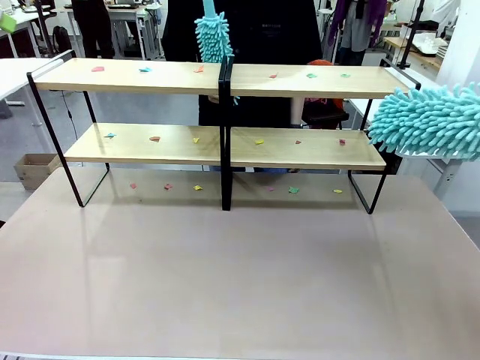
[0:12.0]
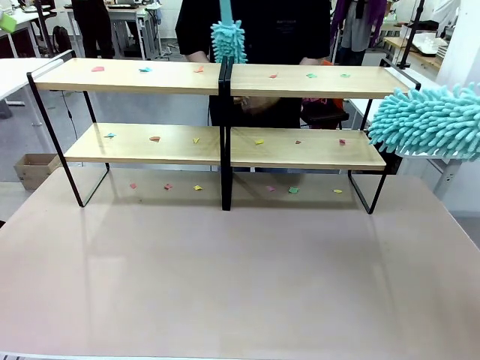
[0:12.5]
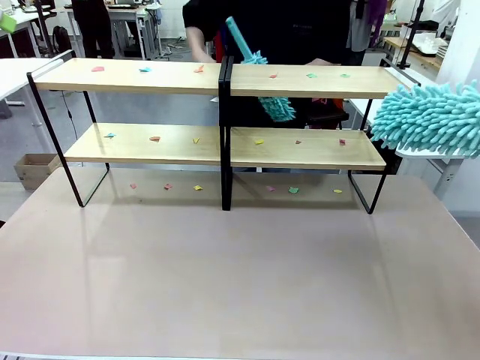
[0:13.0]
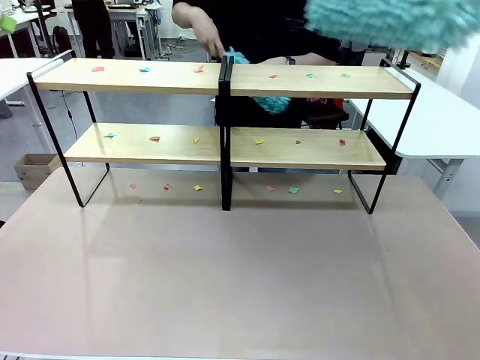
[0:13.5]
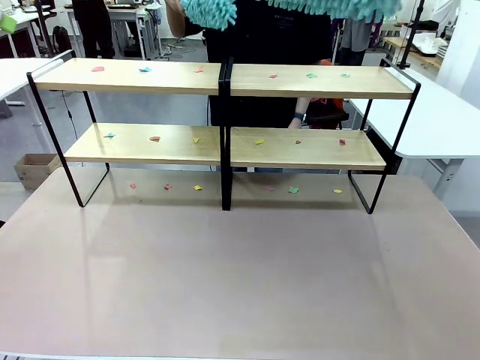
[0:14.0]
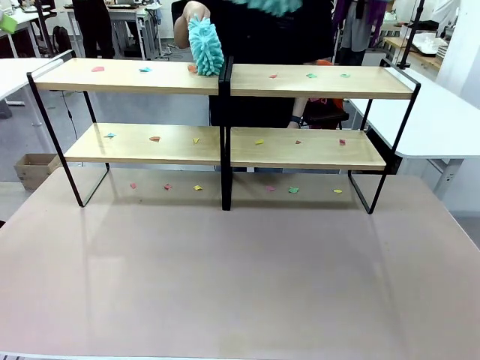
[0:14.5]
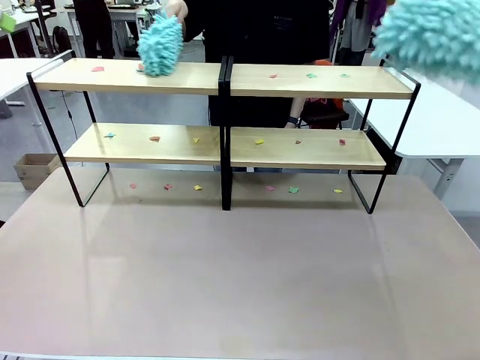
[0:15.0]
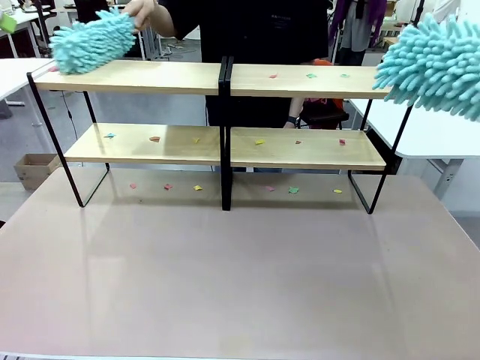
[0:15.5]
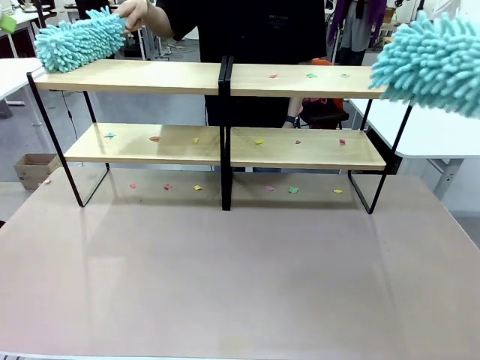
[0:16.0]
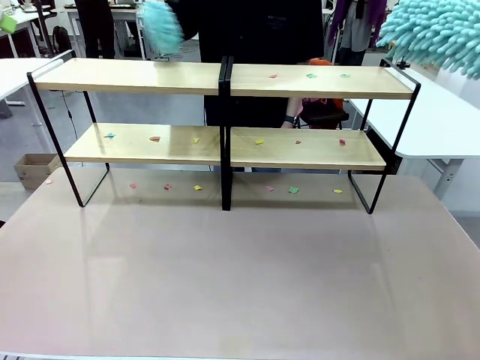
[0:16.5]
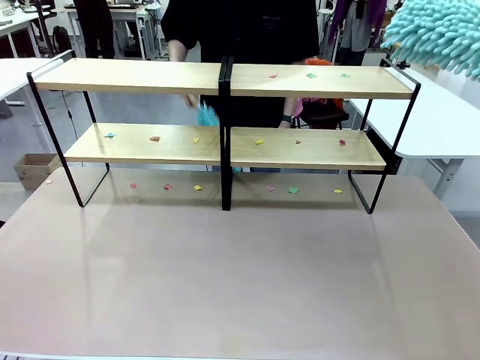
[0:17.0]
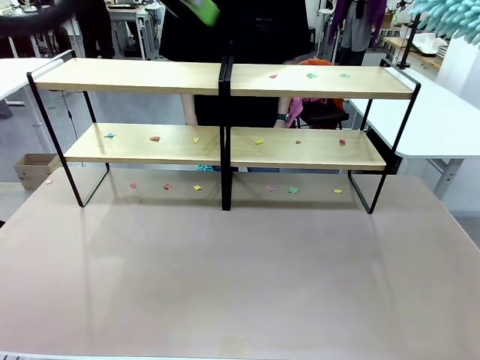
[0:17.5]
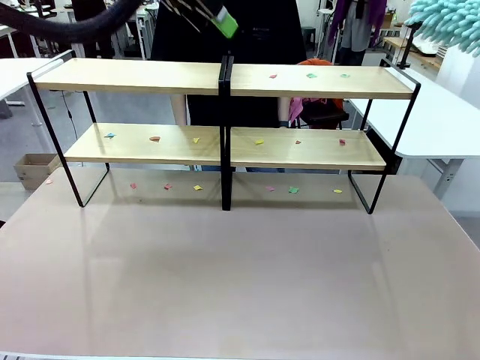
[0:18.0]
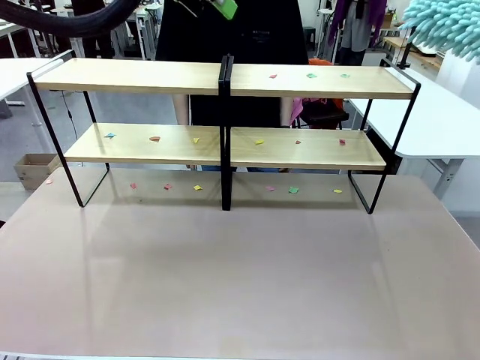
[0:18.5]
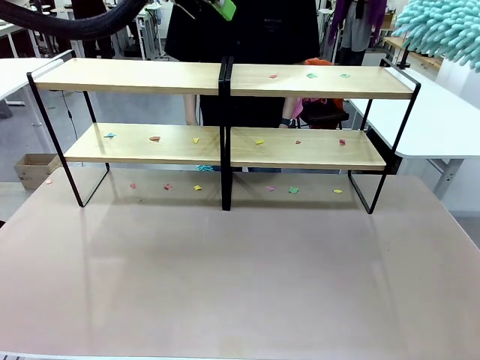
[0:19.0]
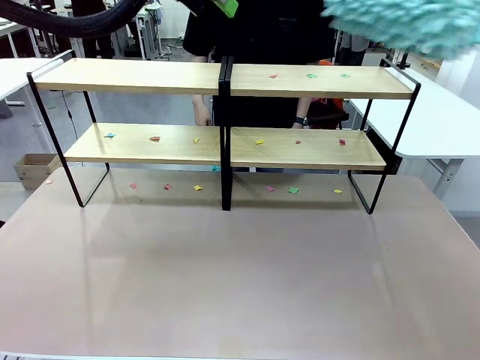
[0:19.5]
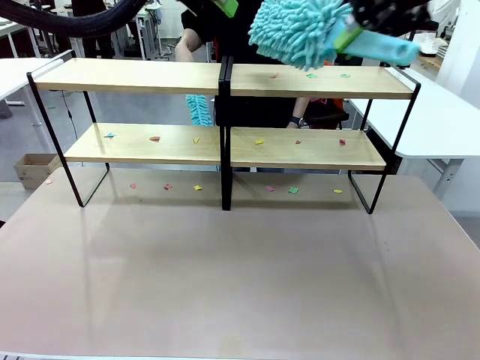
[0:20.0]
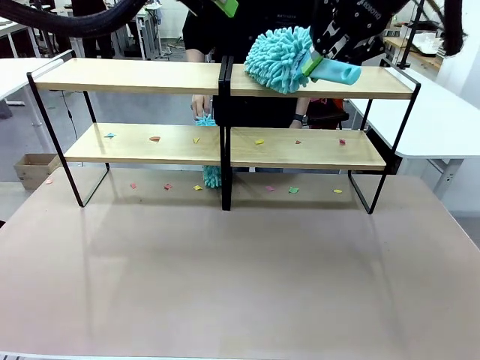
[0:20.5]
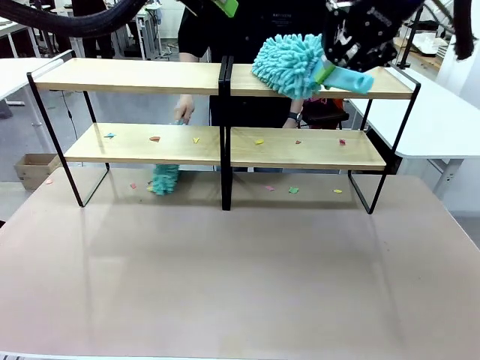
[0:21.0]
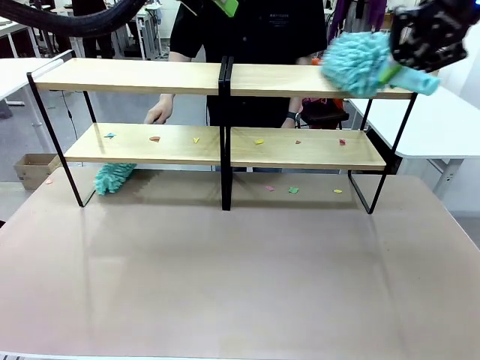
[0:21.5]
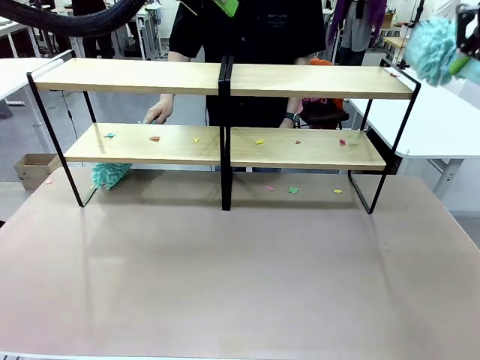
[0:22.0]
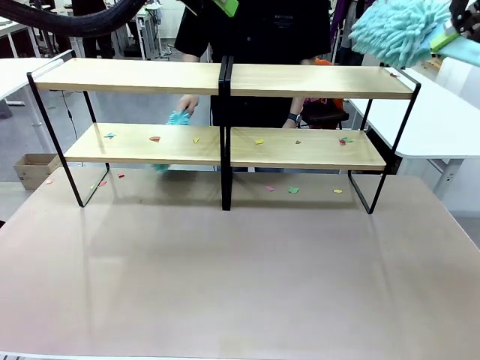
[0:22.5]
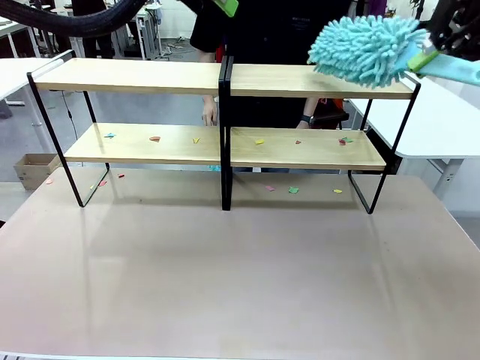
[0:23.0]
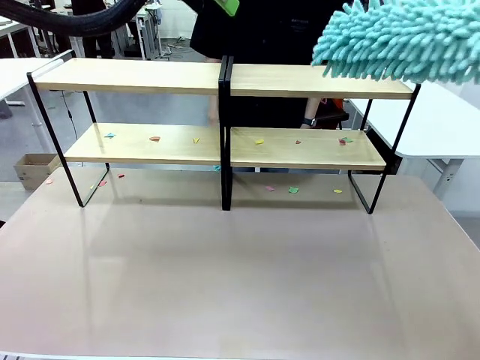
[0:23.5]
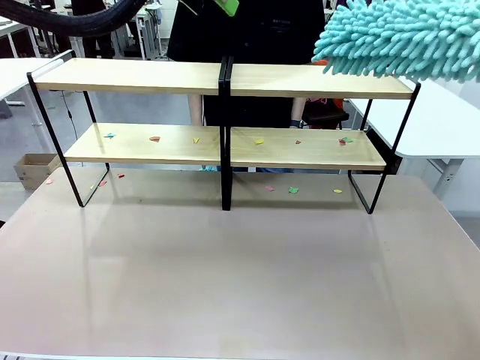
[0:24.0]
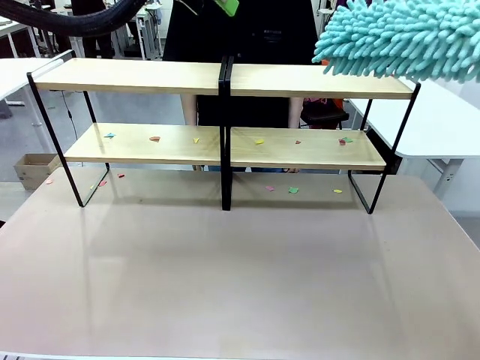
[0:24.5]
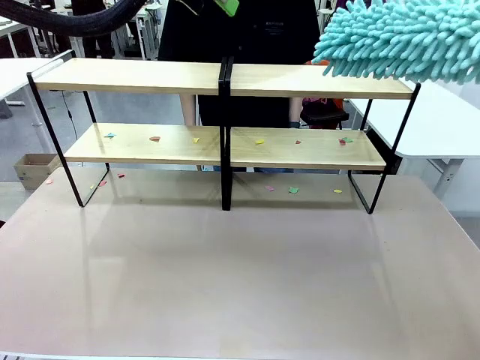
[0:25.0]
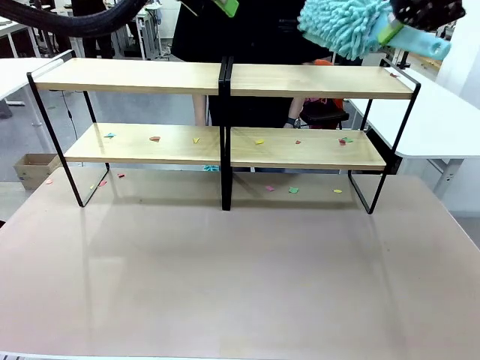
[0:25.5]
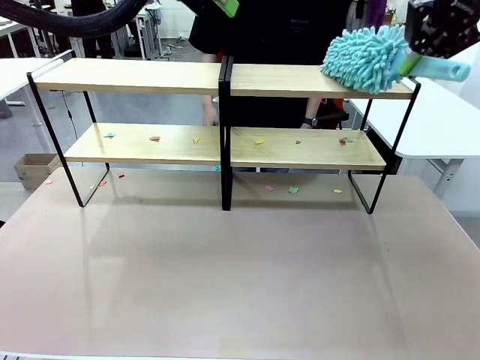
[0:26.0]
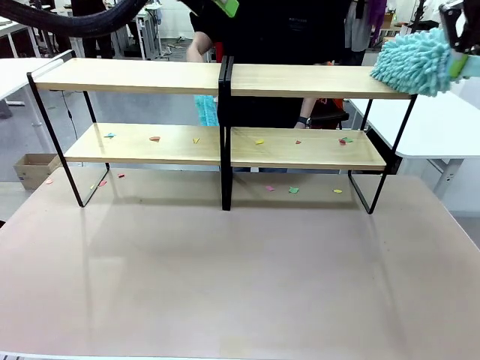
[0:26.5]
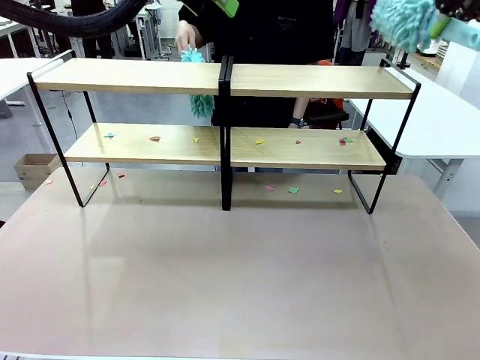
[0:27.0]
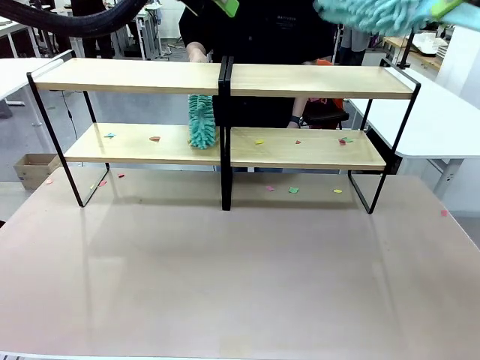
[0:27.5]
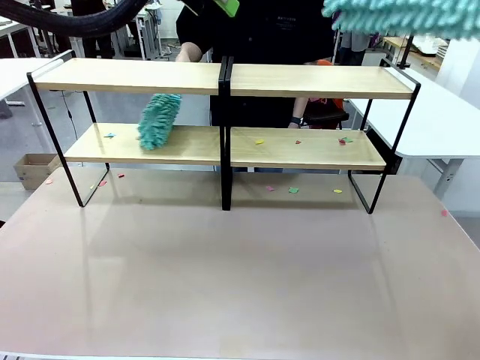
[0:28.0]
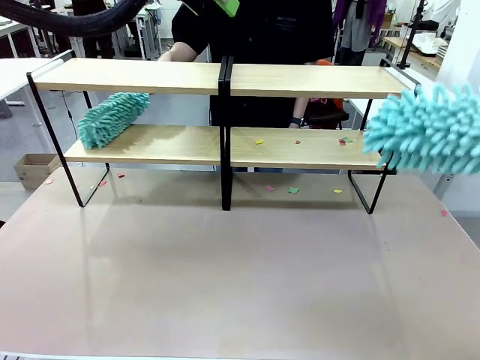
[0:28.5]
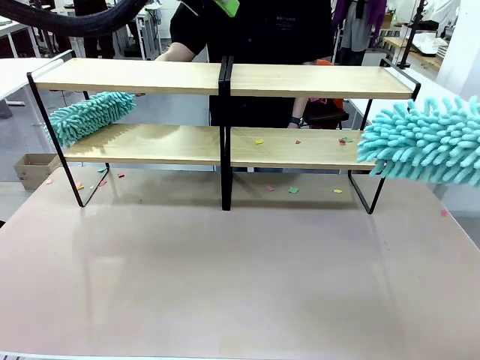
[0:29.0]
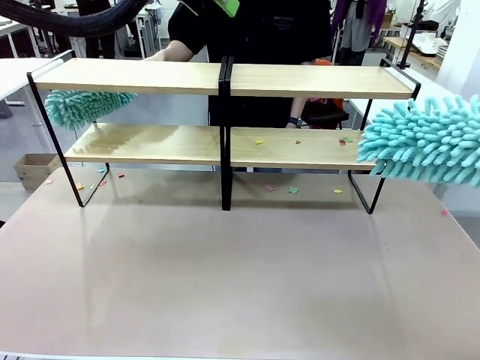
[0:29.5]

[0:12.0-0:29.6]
Task: Clean the shelves.
Robot: Clean a randomly selected level of the Shelf with the Duster.
Person: Clean a randomly selected level of the Shelf with the Duster.

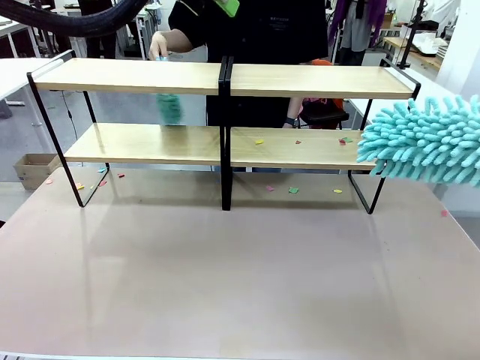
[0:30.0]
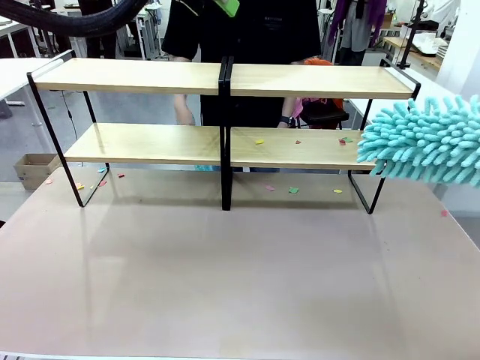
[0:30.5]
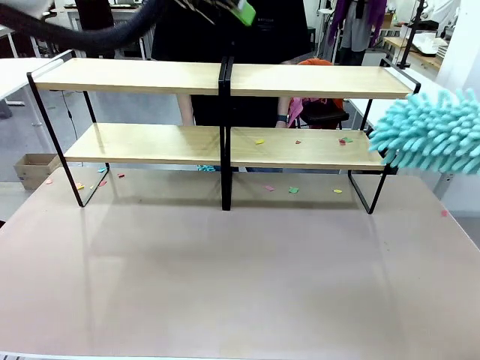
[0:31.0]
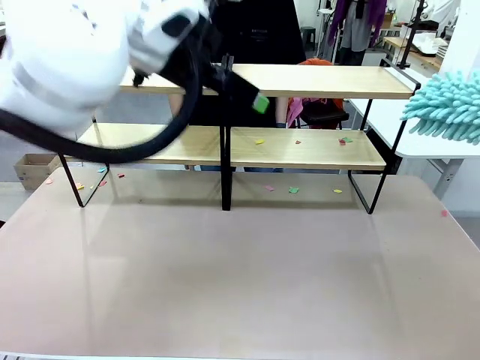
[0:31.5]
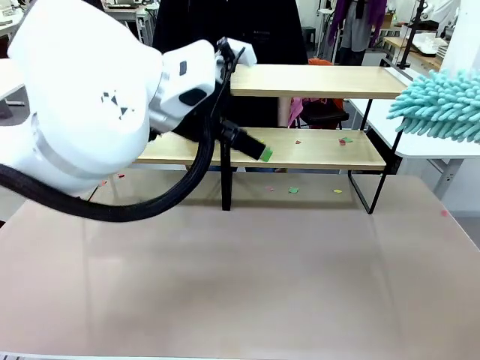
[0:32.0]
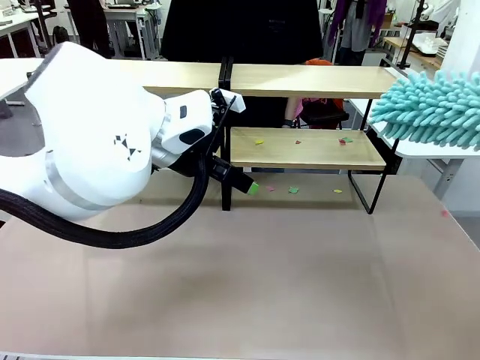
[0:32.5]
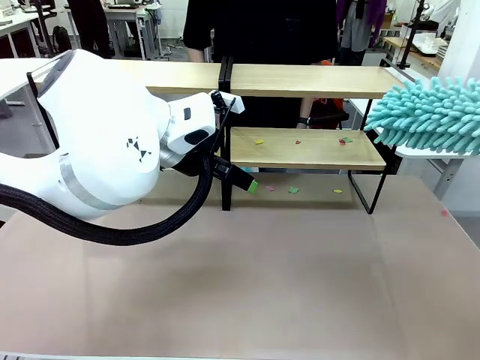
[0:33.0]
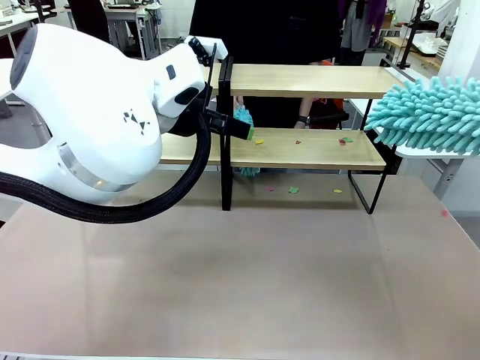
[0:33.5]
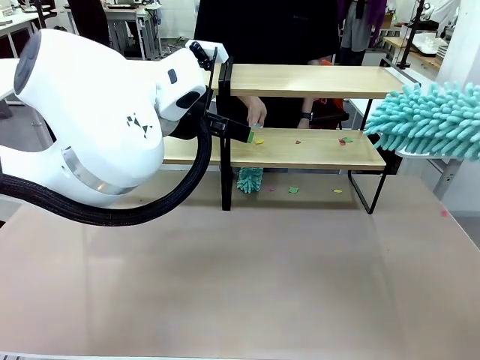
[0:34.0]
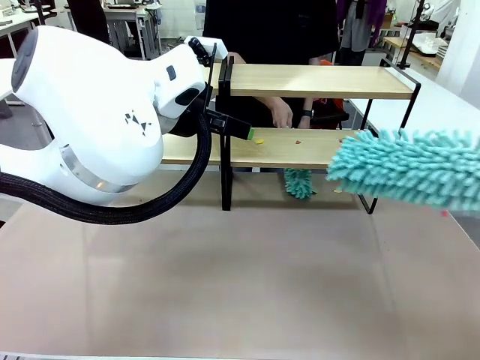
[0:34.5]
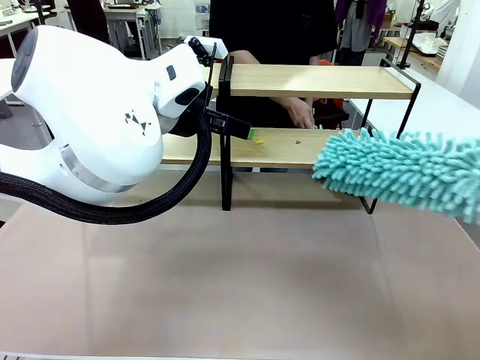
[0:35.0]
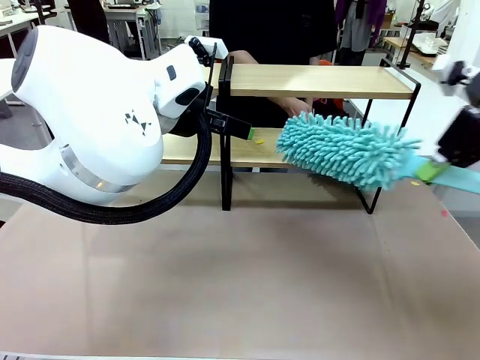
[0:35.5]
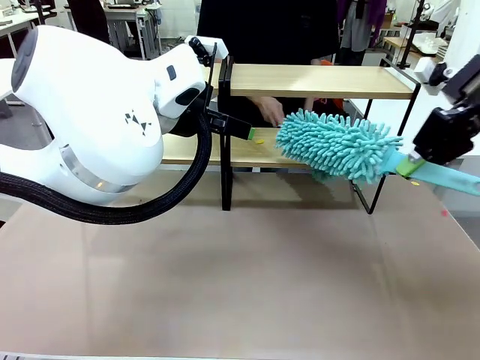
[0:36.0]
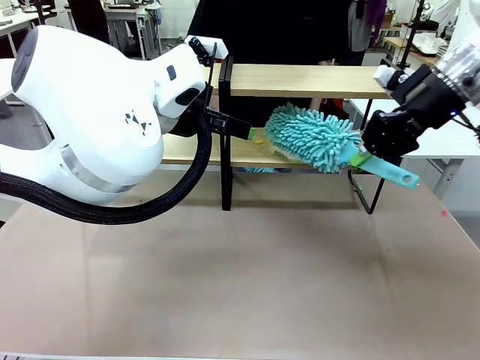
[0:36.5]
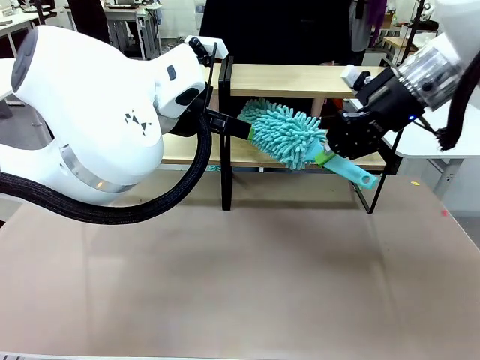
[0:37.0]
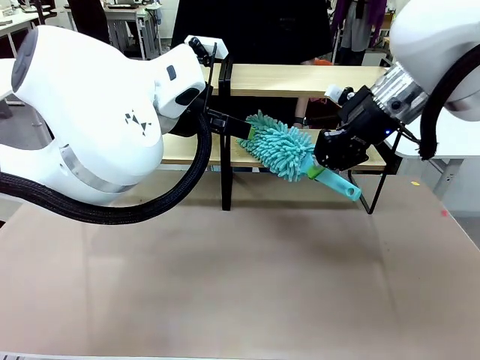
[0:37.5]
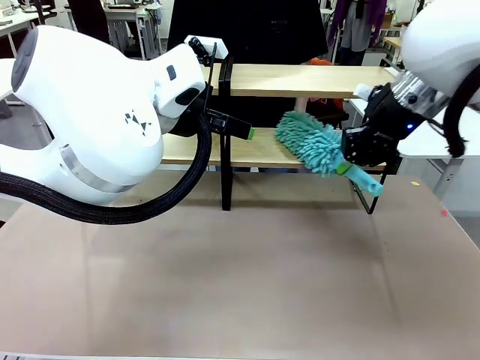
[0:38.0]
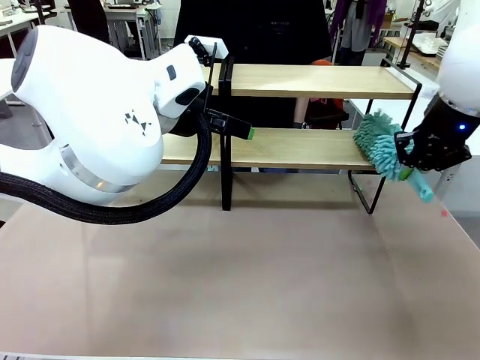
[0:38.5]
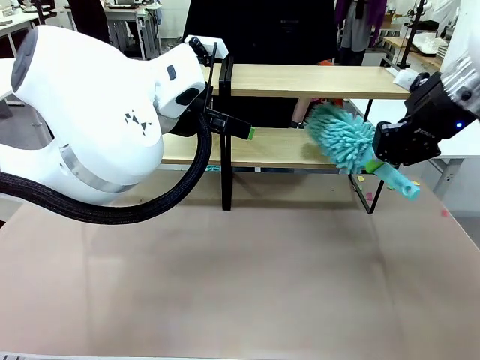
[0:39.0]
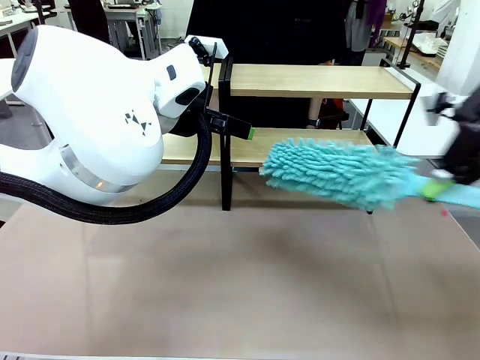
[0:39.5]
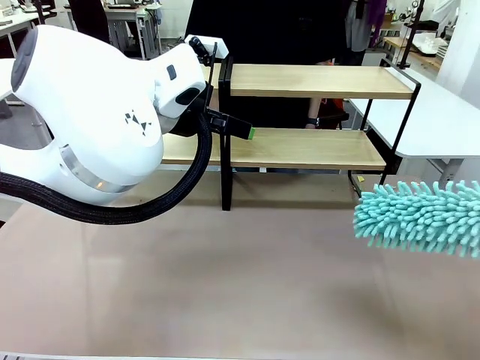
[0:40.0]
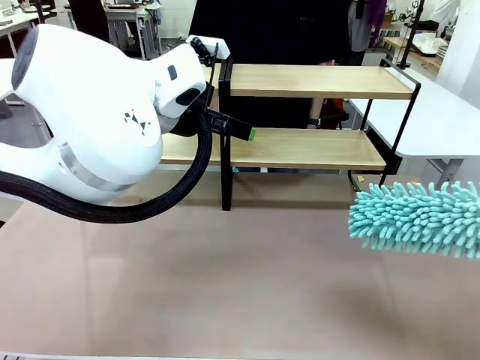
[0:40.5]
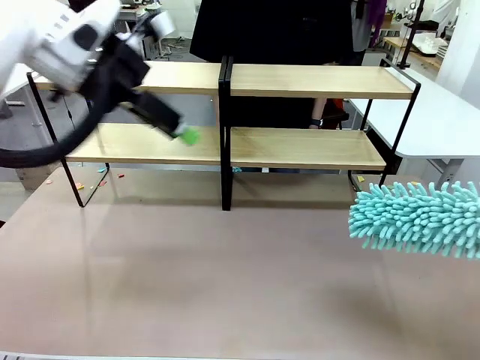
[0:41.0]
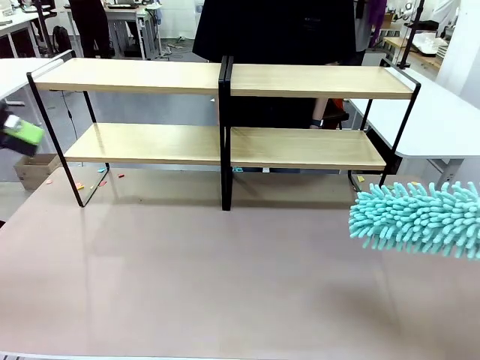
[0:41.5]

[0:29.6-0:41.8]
Robot: Clean another randomly selected level of the Shelf with the Duster.
